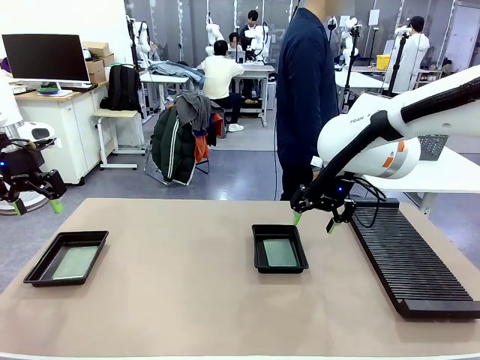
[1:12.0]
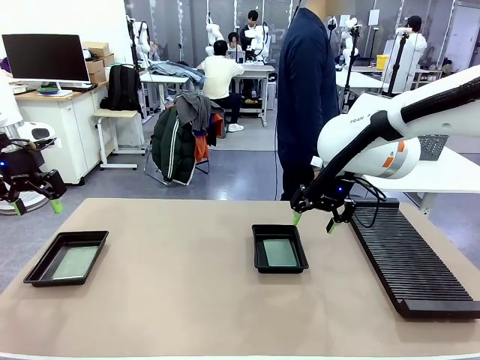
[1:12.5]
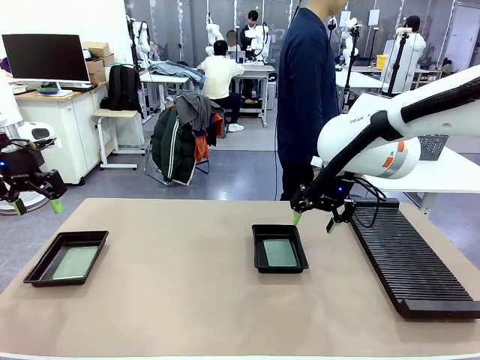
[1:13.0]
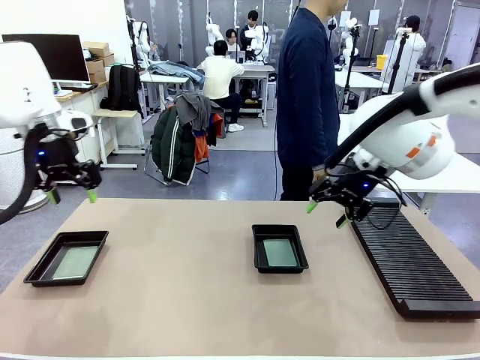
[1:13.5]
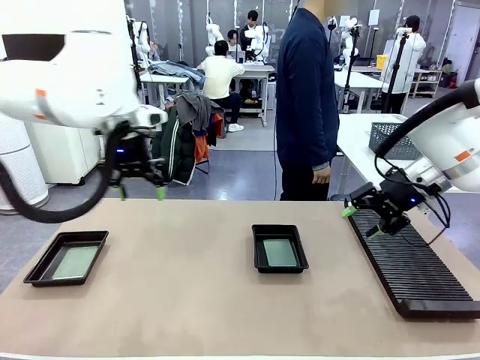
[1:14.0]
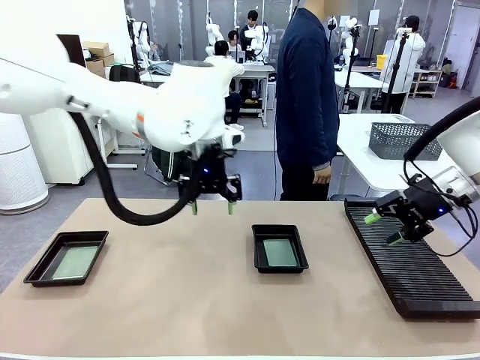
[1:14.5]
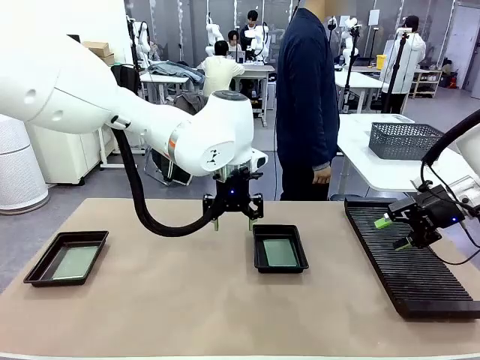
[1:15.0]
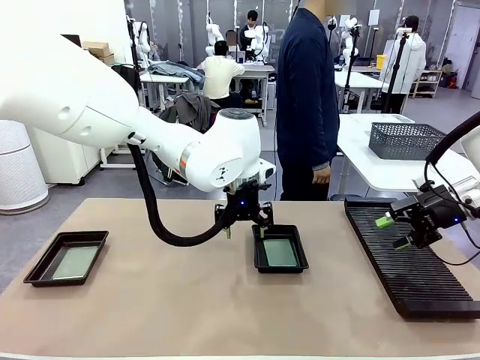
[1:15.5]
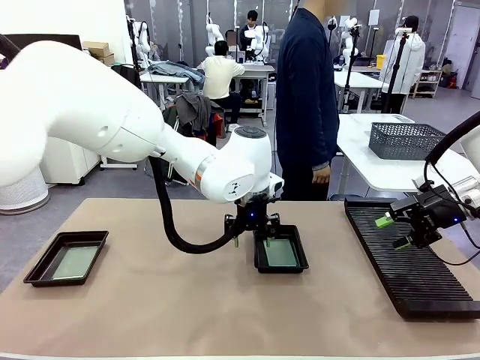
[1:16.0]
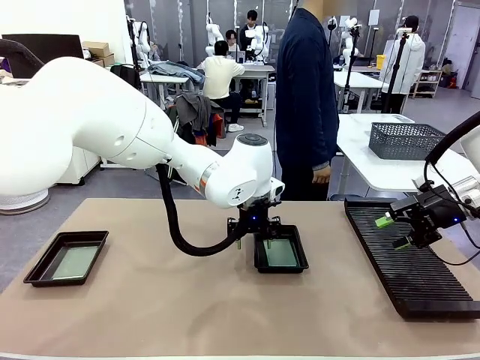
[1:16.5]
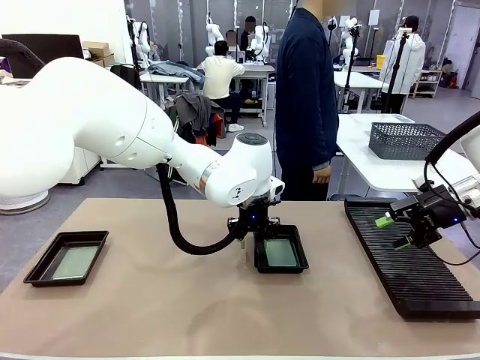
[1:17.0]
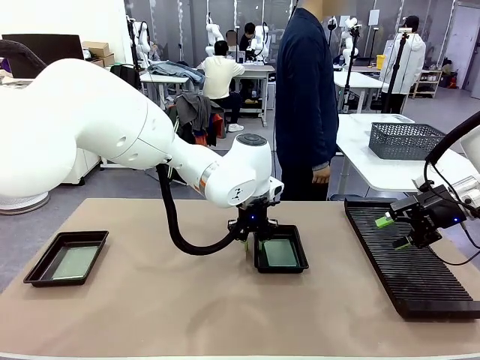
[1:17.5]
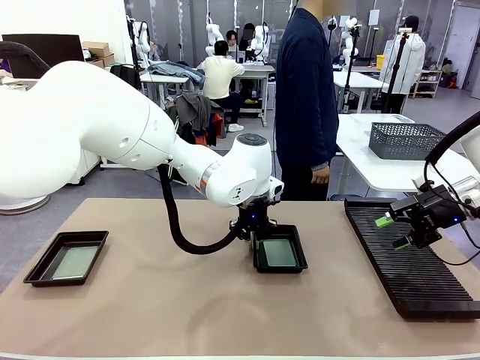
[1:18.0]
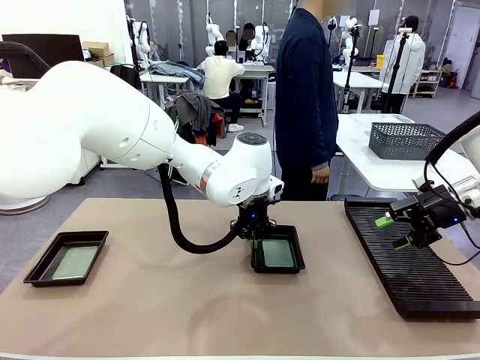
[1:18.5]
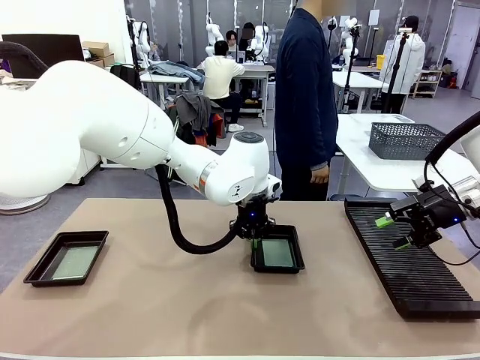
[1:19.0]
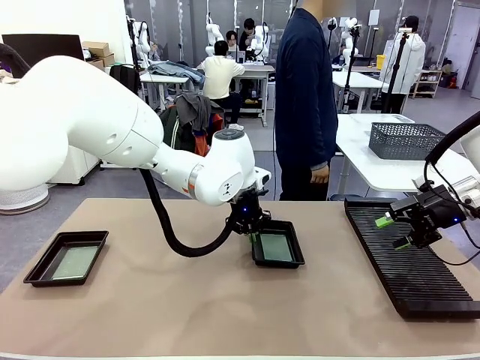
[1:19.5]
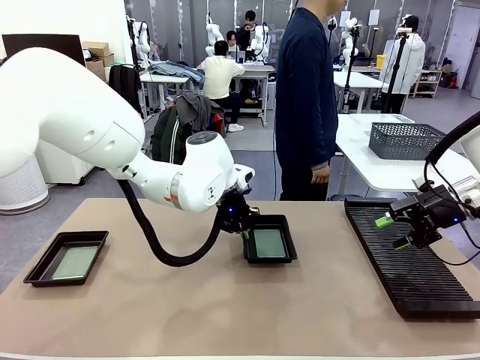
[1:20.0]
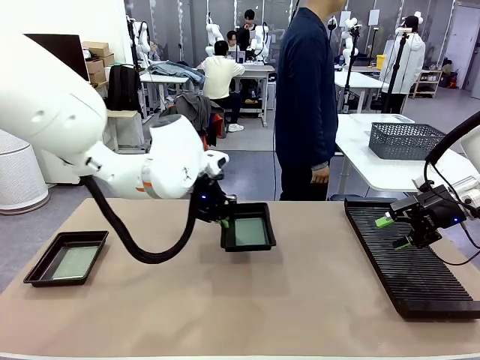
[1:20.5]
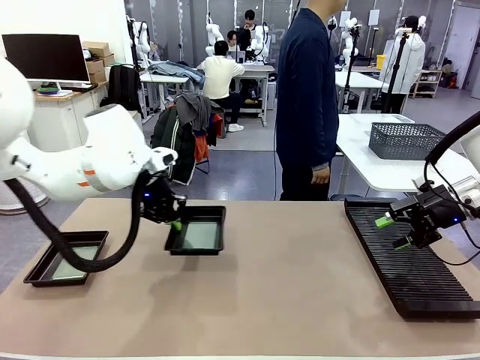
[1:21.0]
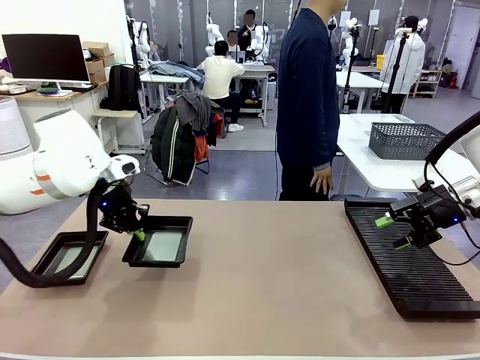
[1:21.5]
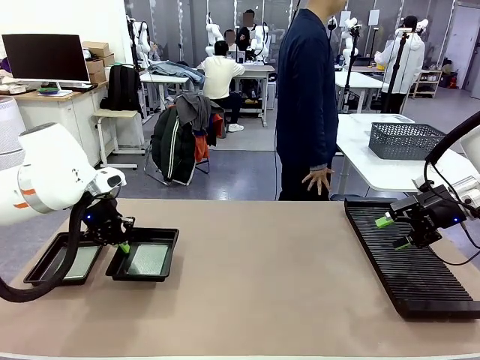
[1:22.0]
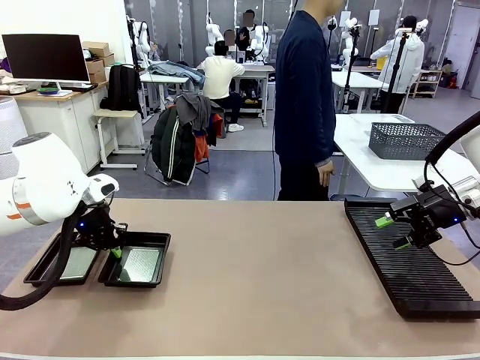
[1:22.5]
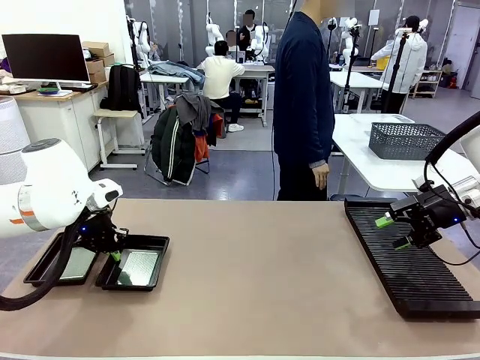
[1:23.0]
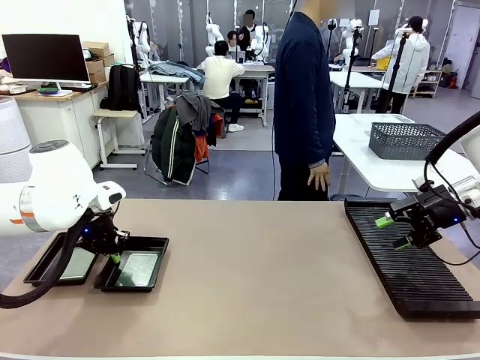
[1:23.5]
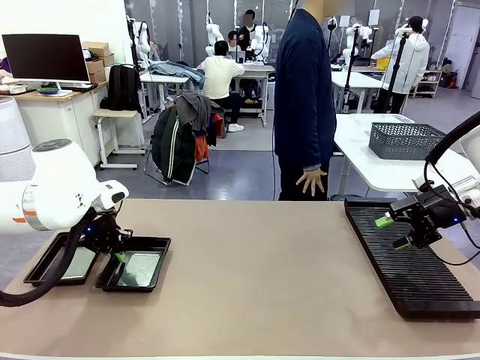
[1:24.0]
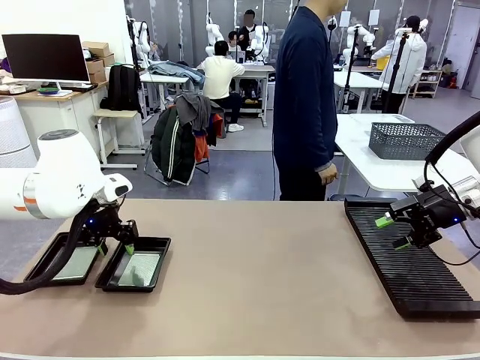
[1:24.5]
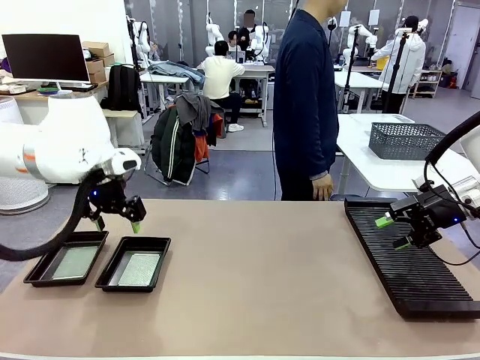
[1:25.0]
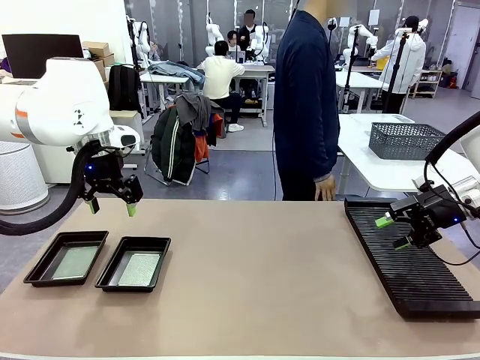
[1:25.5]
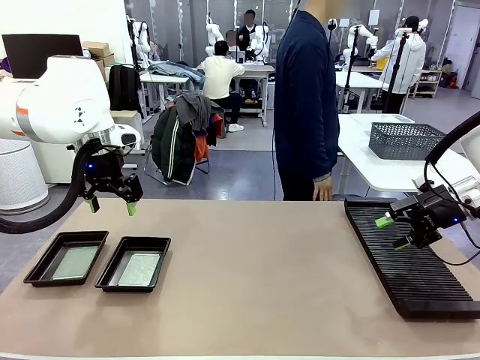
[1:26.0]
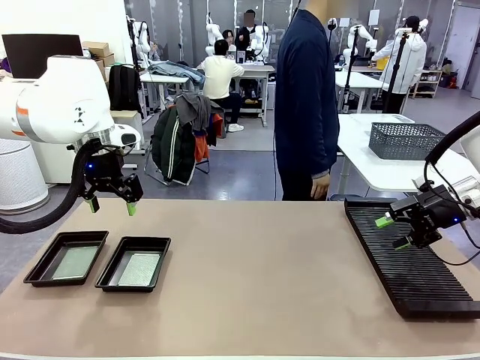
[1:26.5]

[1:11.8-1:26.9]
Task: Inspect and transfer BCBs to ESD trays.
Robot: Pick up the ESD tray and place it on the left side of the table.

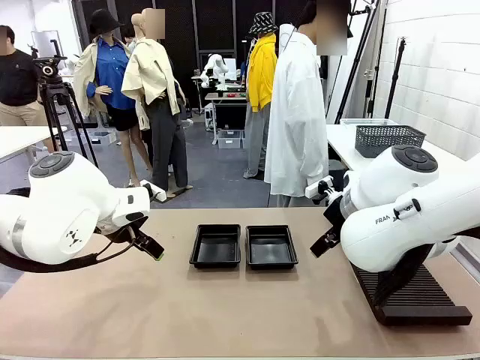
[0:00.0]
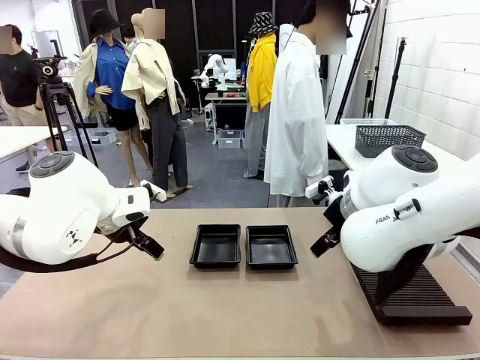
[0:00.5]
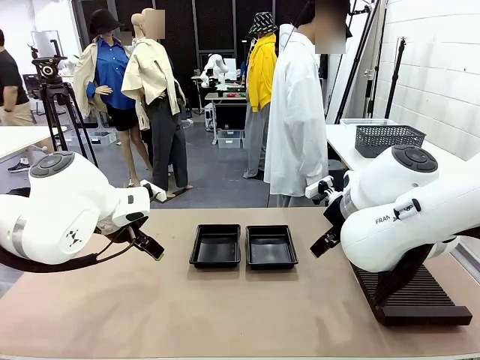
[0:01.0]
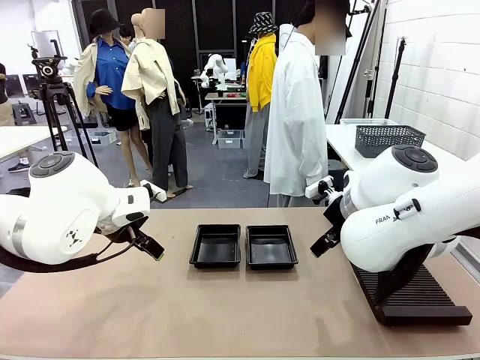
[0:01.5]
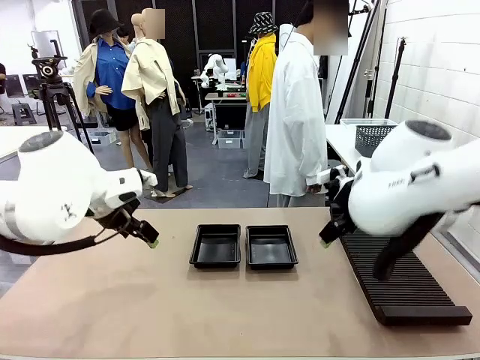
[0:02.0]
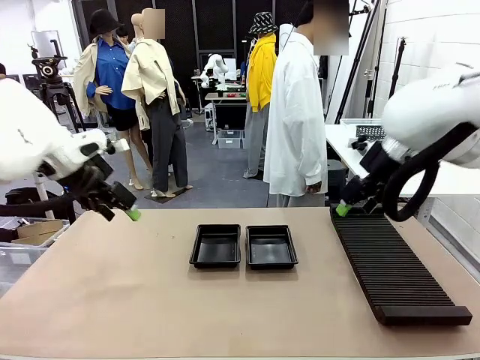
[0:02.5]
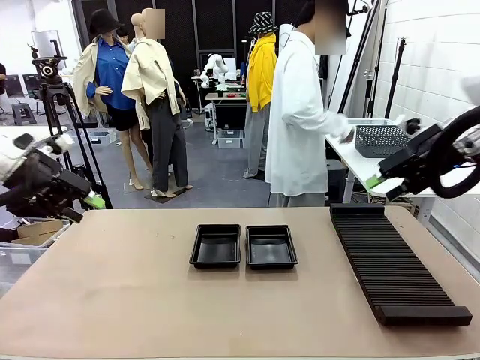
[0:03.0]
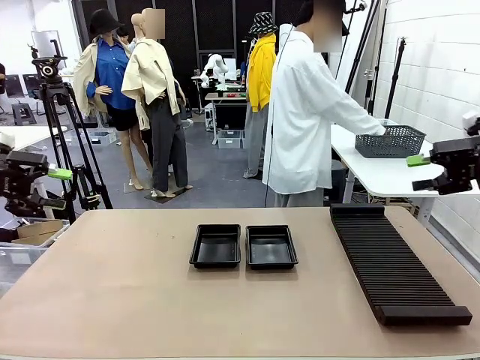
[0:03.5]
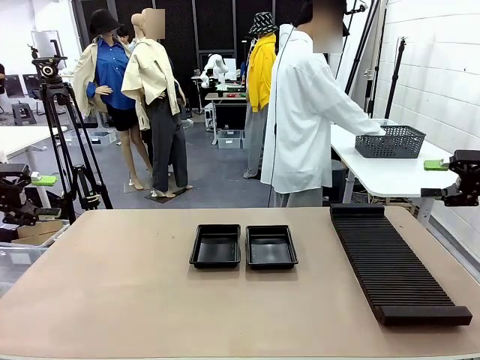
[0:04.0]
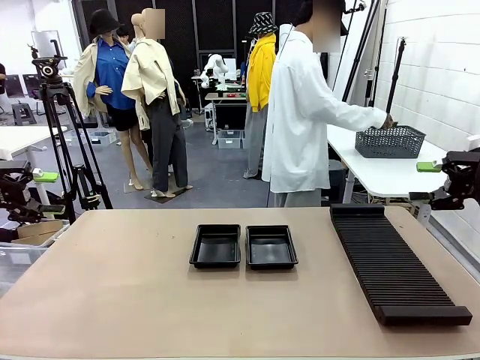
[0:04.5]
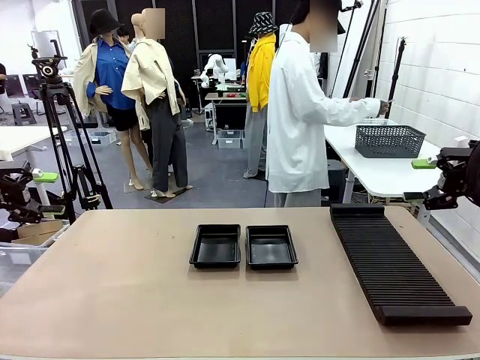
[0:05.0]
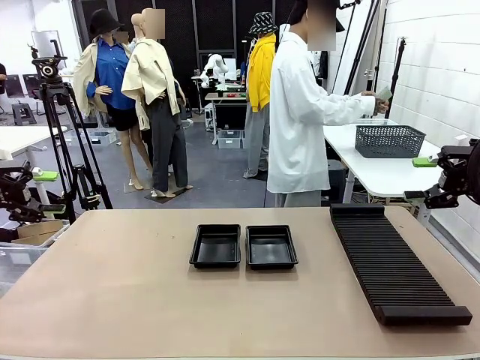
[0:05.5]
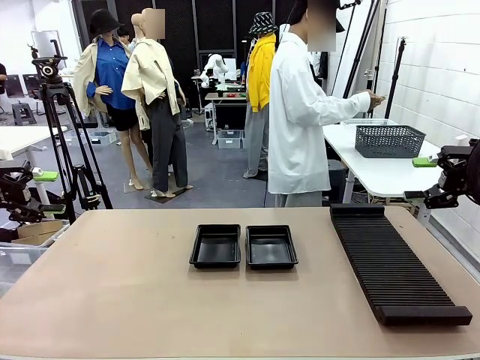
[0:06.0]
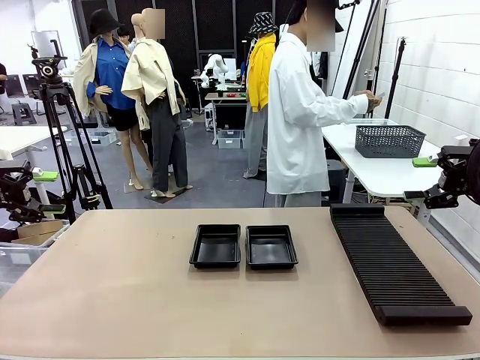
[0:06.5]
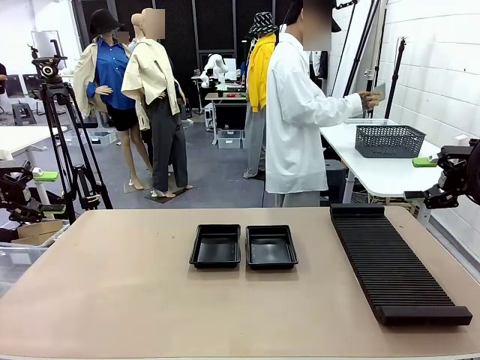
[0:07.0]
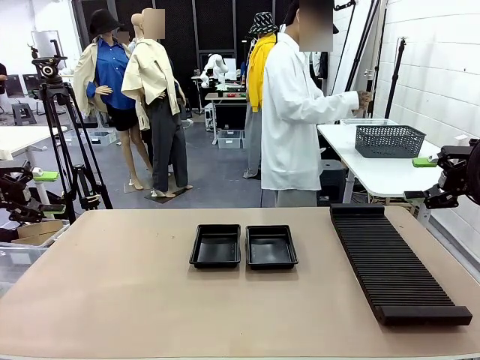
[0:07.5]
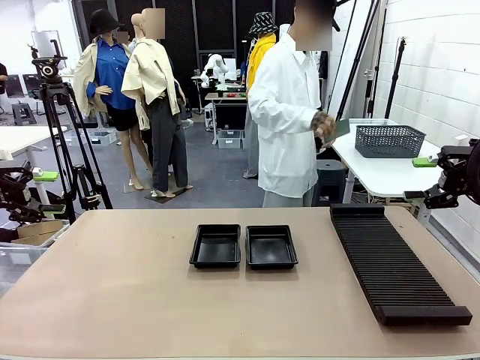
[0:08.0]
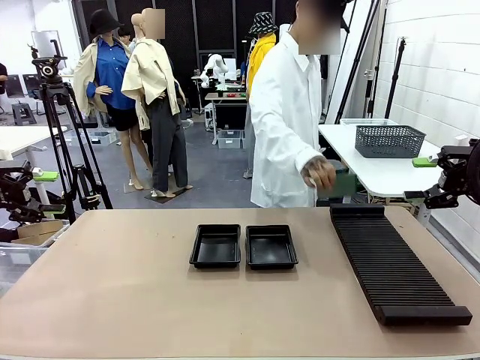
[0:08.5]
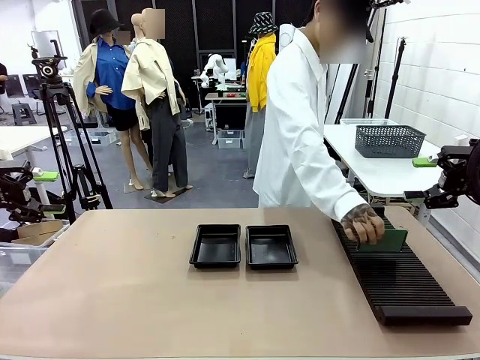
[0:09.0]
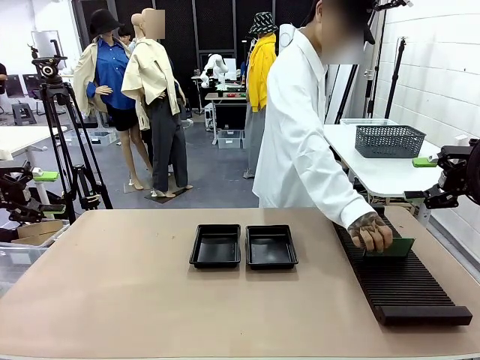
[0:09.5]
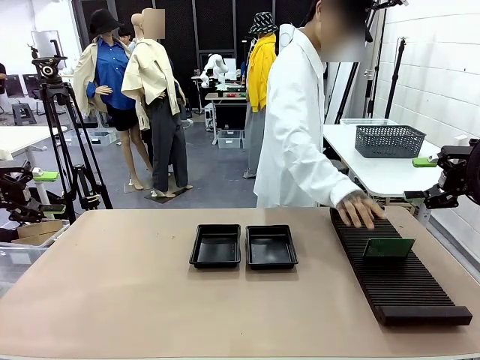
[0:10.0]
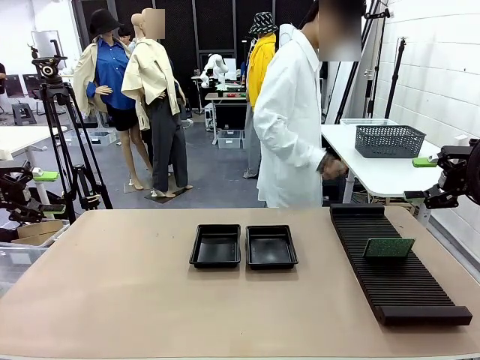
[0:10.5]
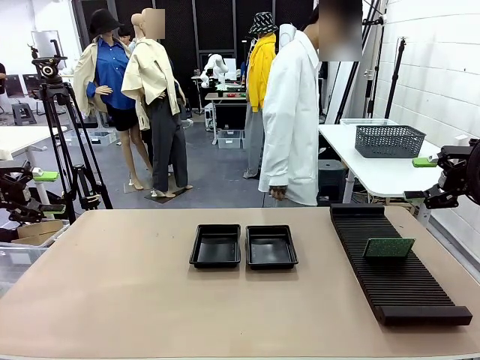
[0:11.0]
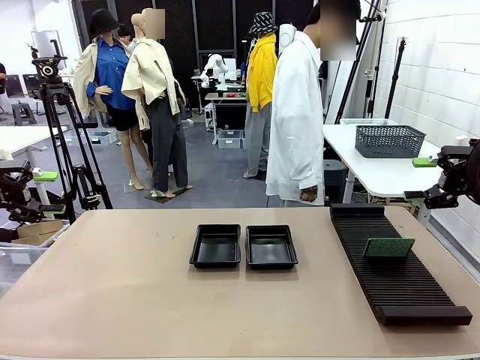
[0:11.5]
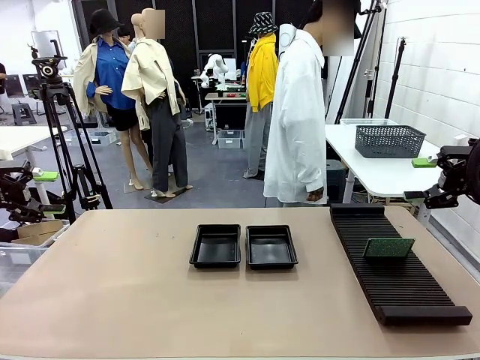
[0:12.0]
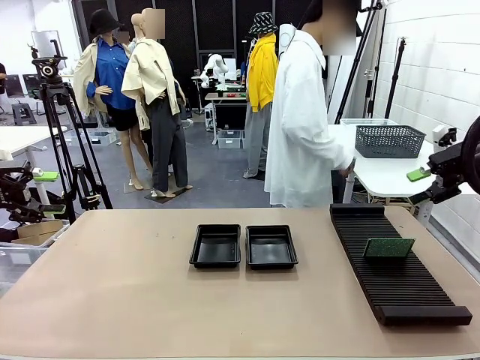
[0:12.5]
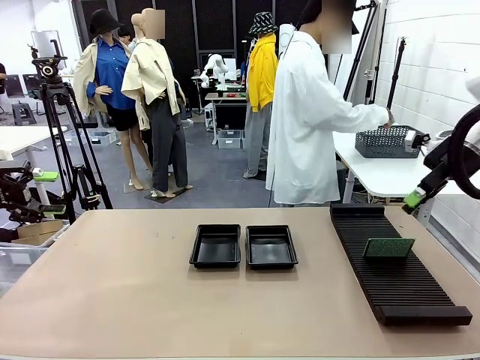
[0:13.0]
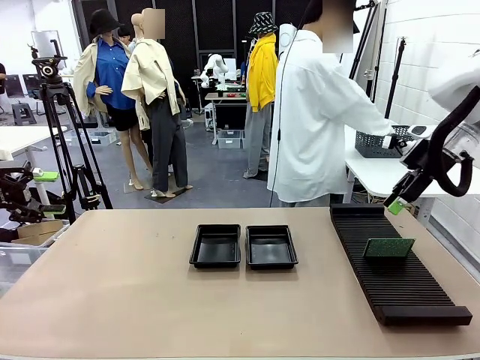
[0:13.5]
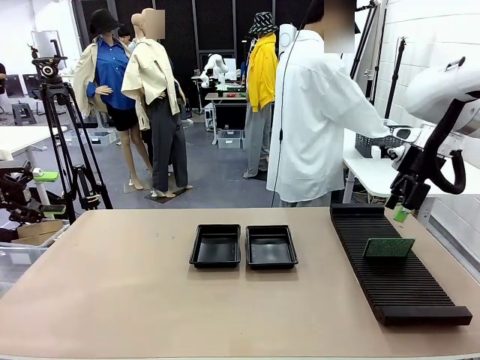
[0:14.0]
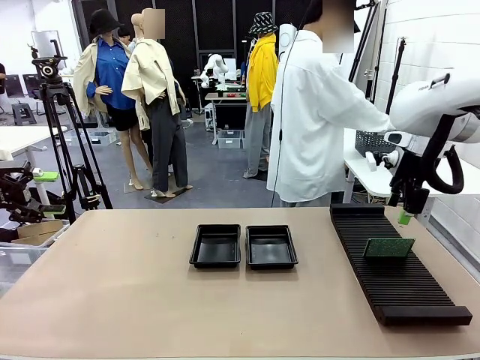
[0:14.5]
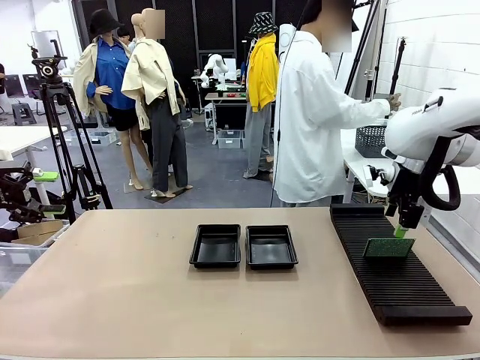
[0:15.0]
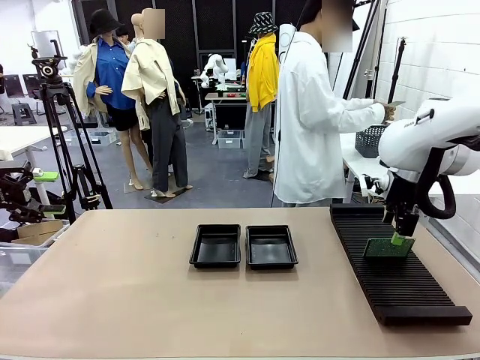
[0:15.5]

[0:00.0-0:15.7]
Task: Inspect and transfer BCBs to ESD trays.
Robot: Pick up the Blank PCB from the PCB Rack and place it in the left ESD tray.
